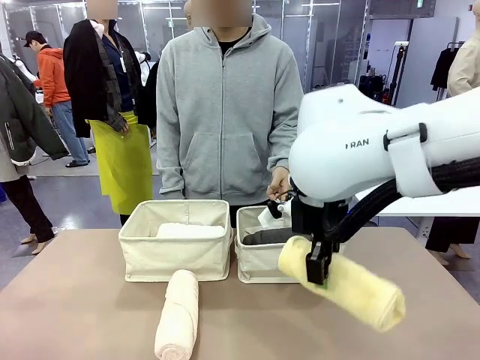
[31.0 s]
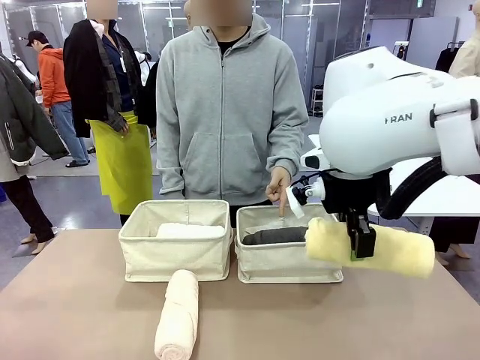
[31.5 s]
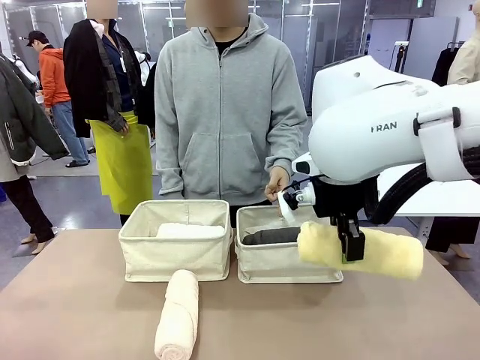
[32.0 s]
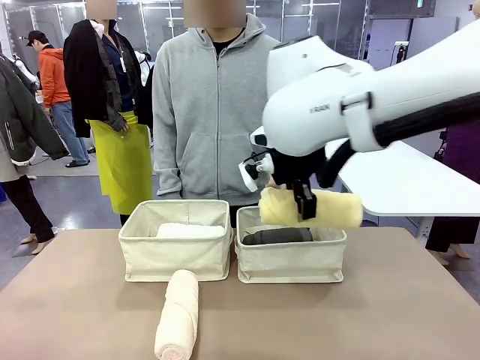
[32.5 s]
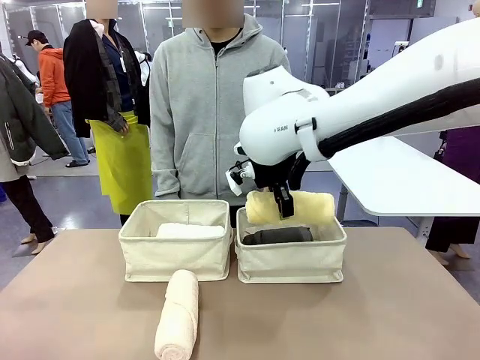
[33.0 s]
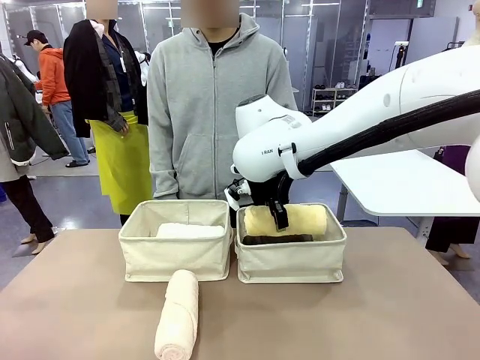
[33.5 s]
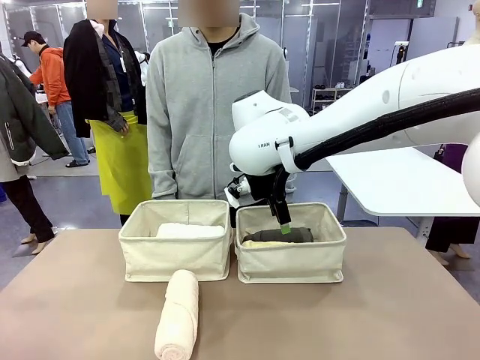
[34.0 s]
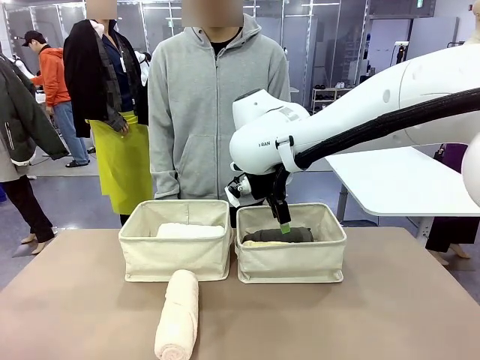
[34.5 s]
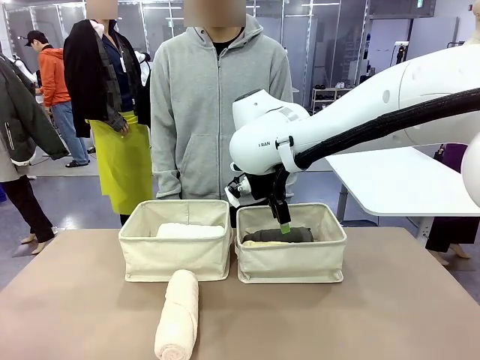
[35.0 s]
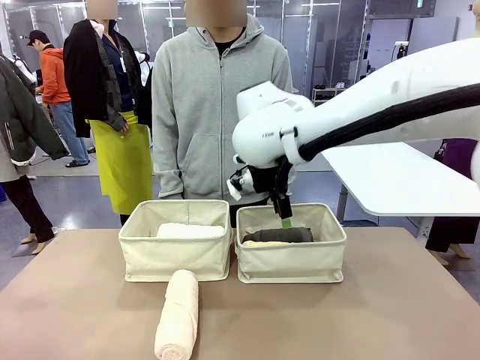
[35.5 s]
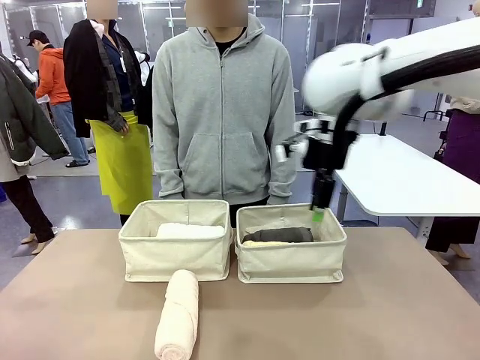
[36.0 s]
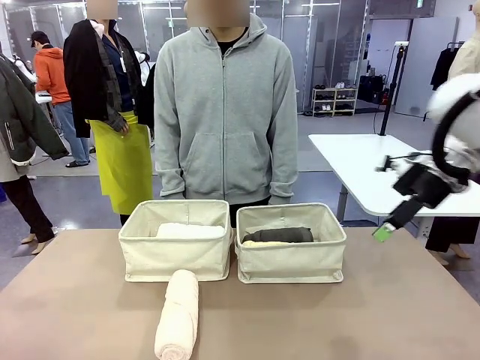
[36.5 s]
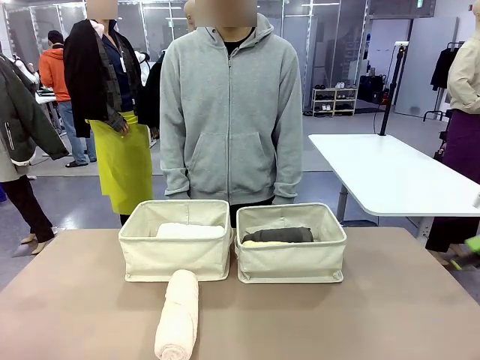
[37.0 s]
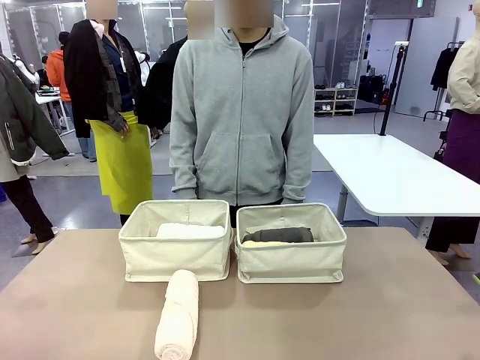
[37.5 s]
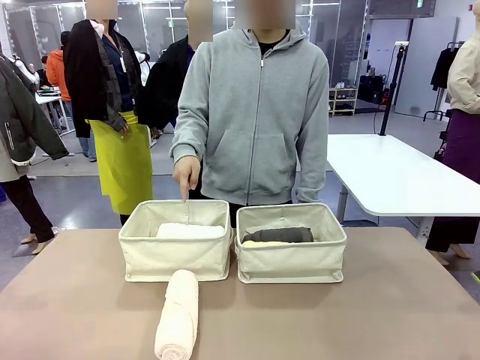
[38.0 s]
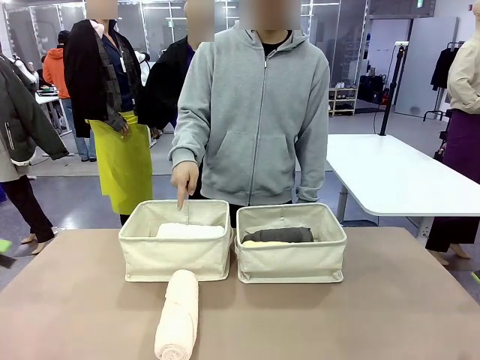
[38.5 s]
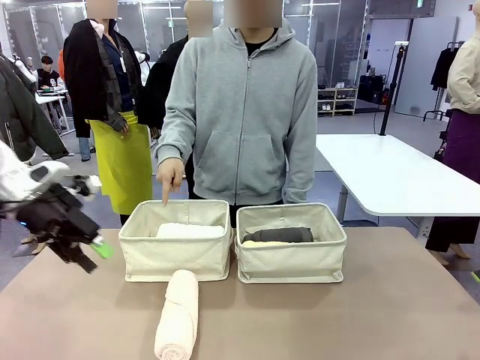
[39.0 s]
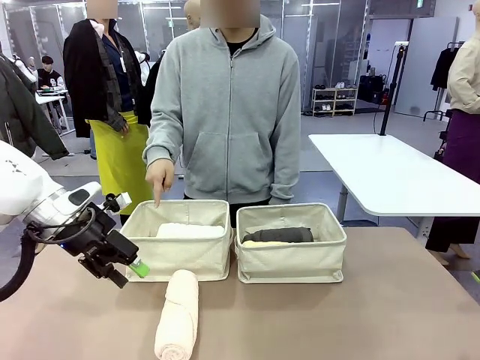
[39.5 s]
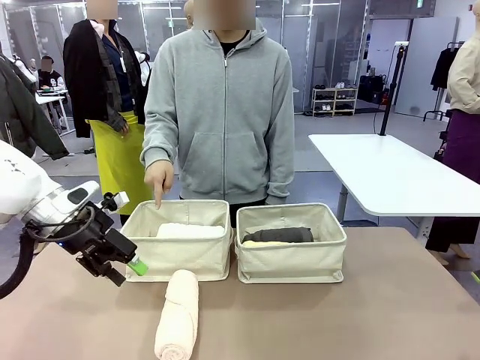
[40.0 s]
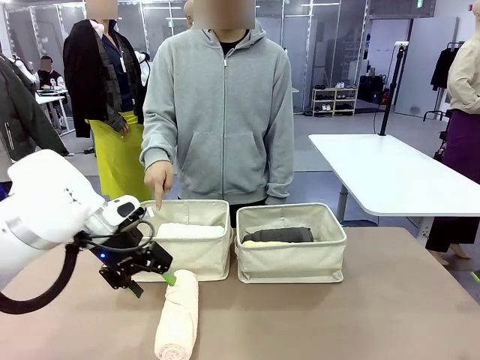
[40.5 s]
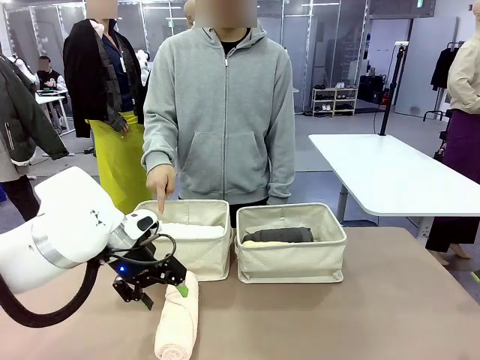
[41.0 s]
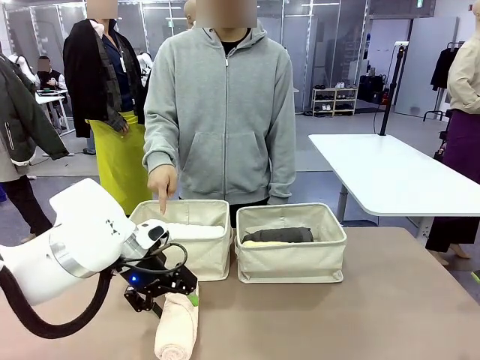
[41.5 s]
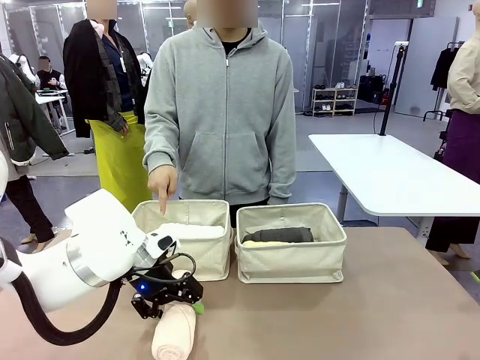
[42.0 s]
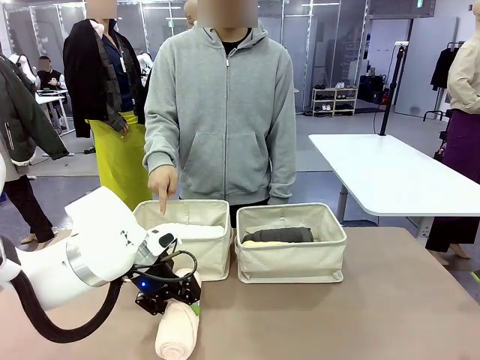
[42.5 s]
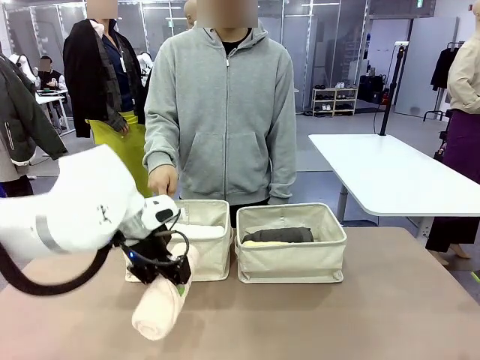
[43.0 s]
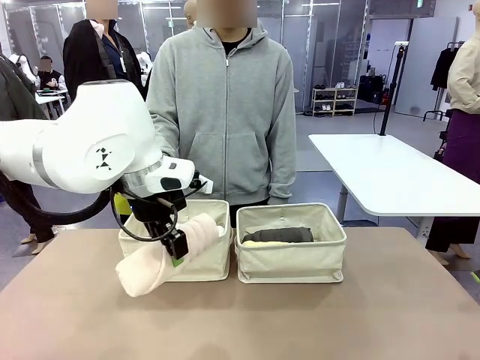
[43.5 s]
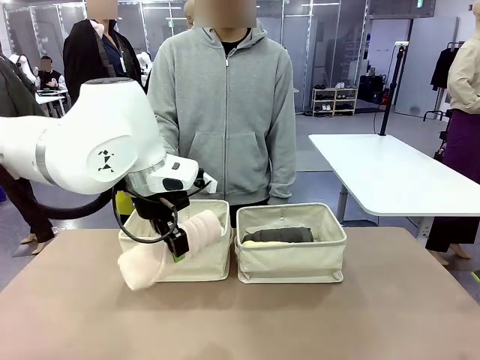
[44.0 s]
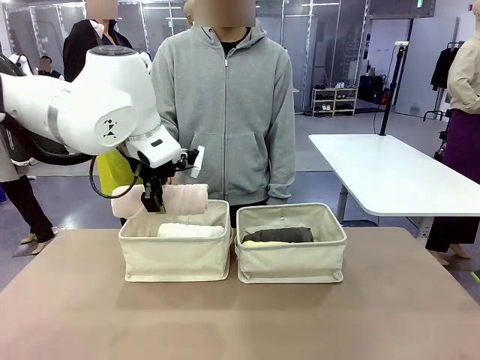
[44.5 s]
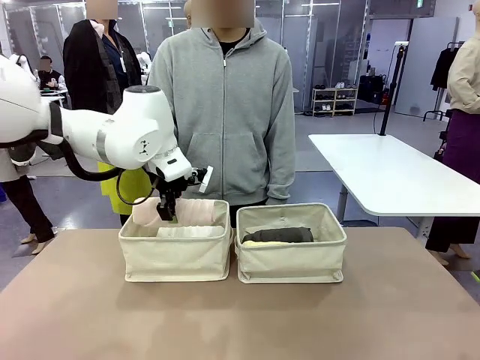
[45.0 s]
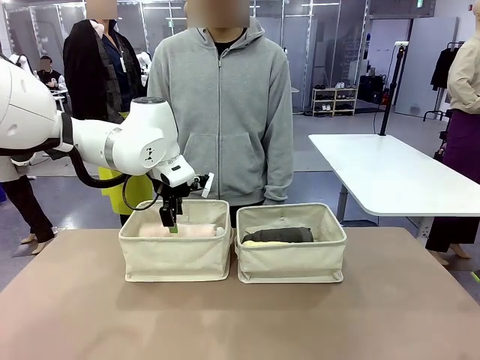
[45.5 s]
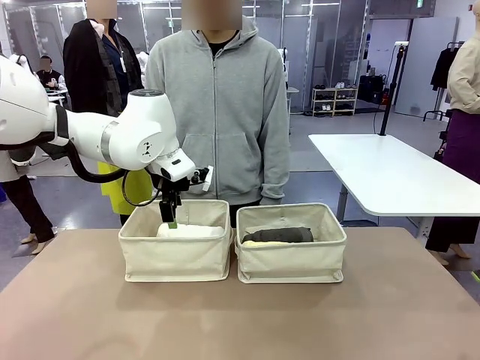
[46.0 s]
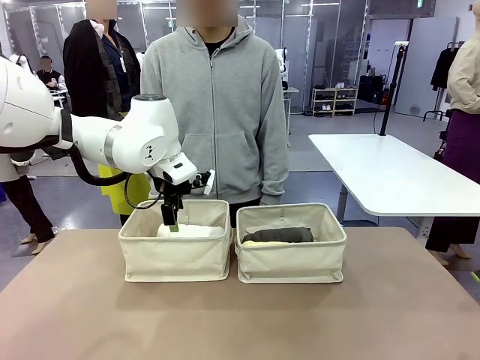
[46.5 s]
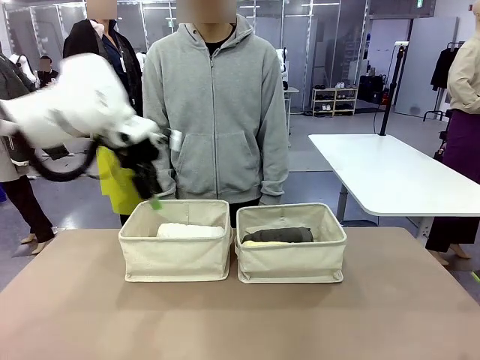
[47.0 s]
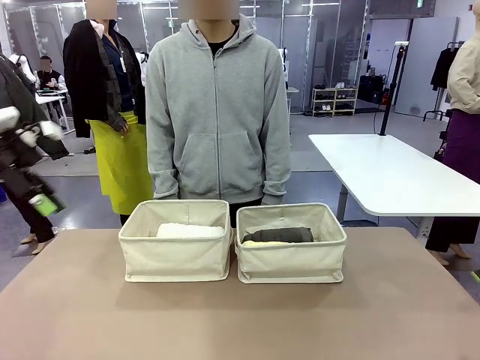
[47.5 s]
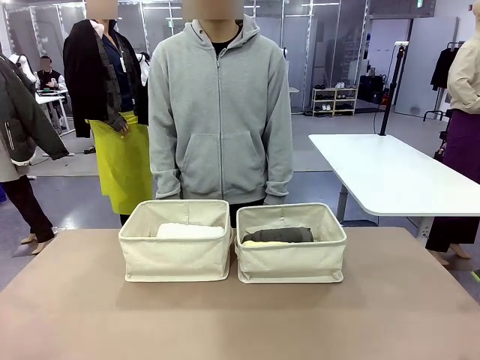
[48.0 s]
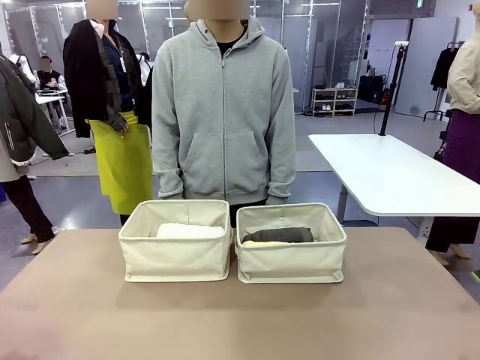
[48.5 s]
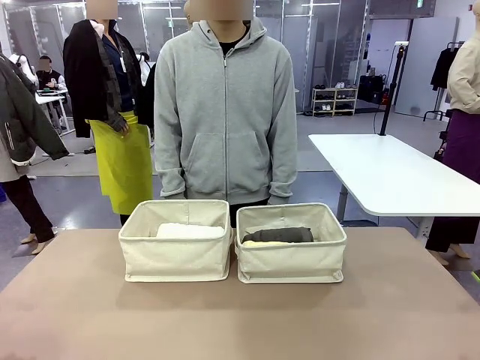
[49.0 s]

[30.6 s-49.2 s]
Task: Divide the towels into two baskets.
Robot: Pick up one hotel-folded towel from the bottom of the table and place it in the Fabric basket indicated by the person.

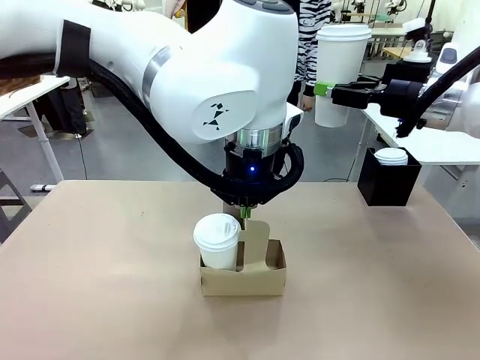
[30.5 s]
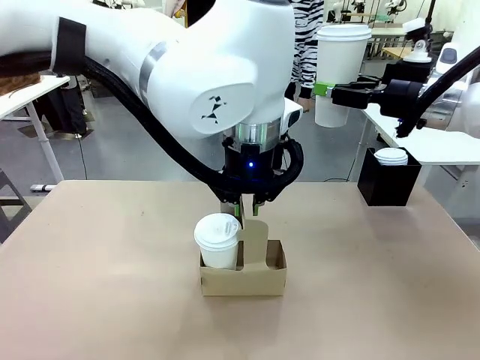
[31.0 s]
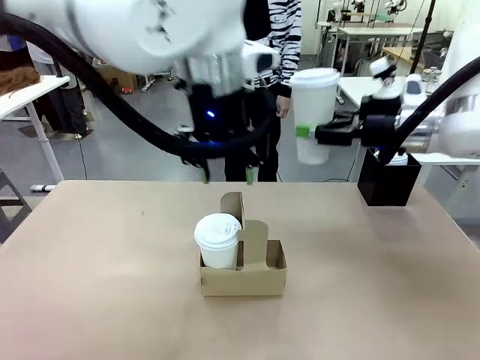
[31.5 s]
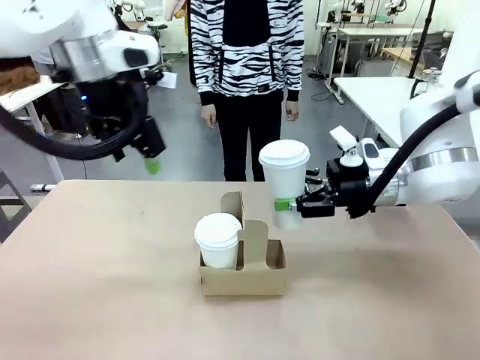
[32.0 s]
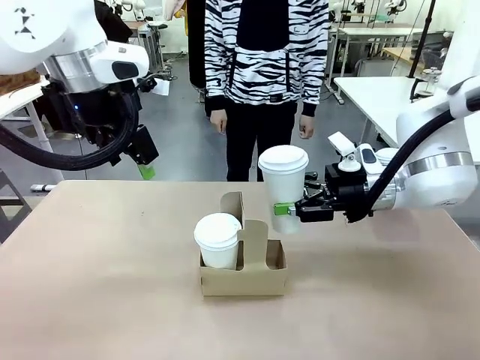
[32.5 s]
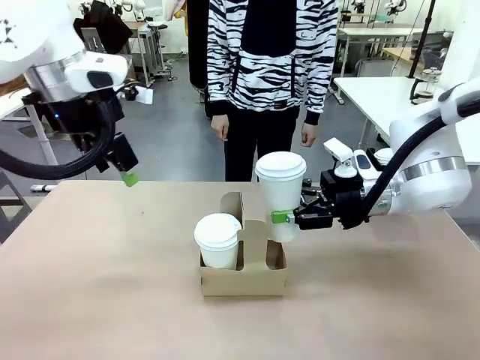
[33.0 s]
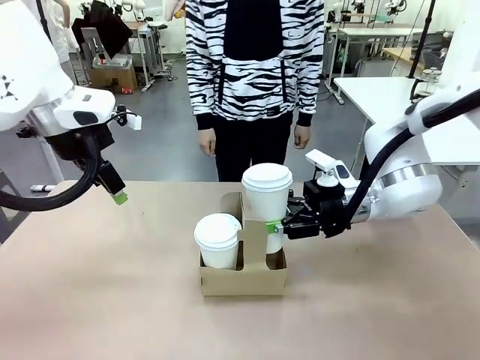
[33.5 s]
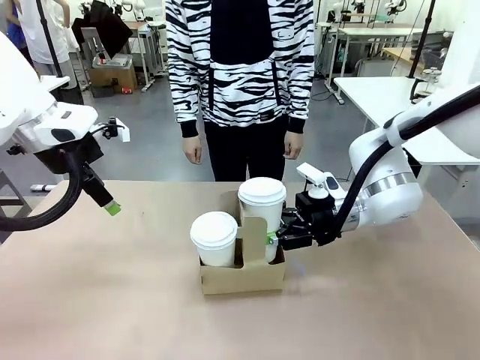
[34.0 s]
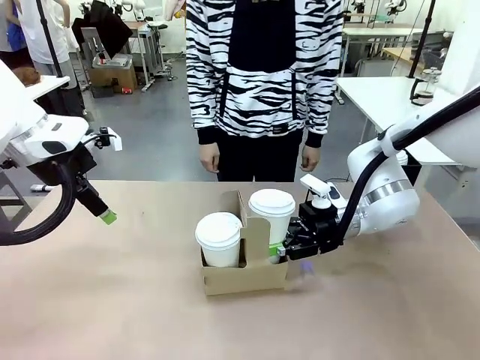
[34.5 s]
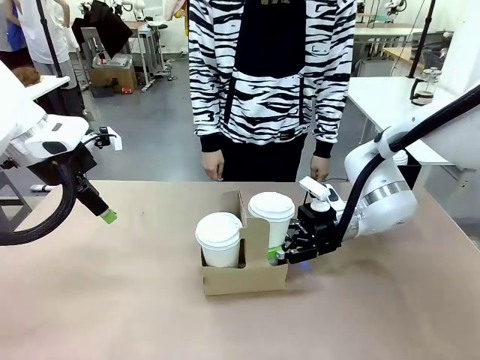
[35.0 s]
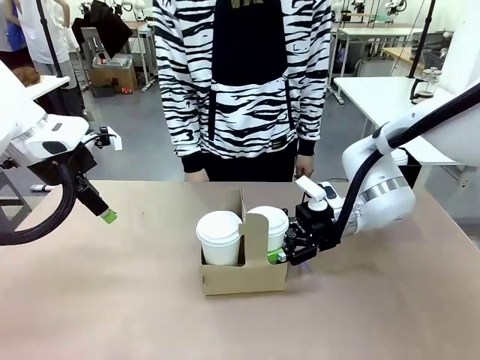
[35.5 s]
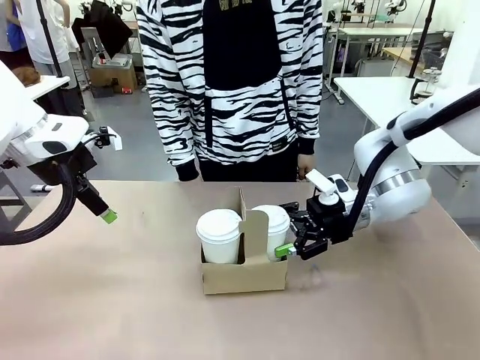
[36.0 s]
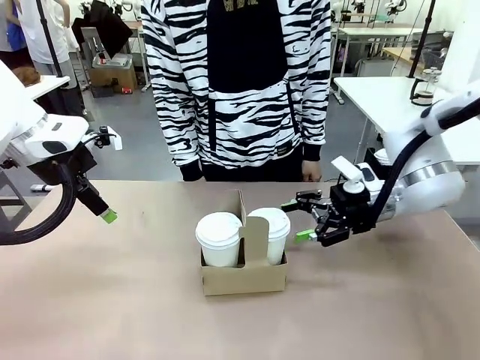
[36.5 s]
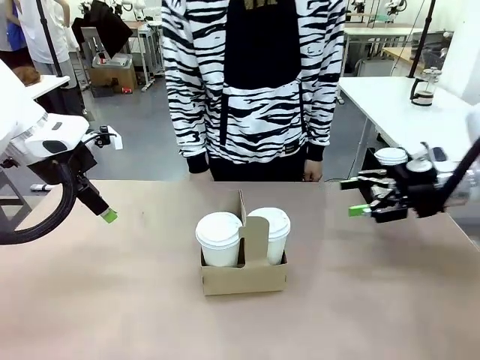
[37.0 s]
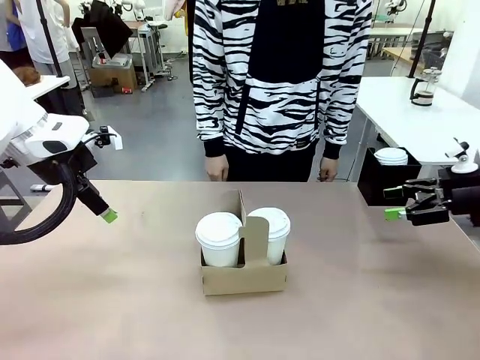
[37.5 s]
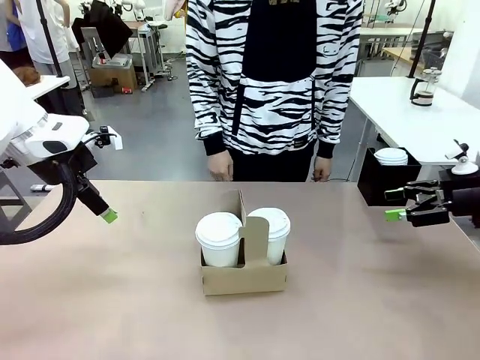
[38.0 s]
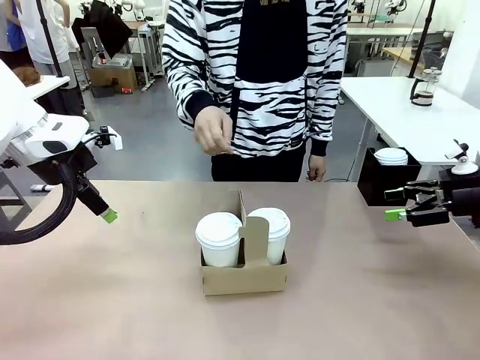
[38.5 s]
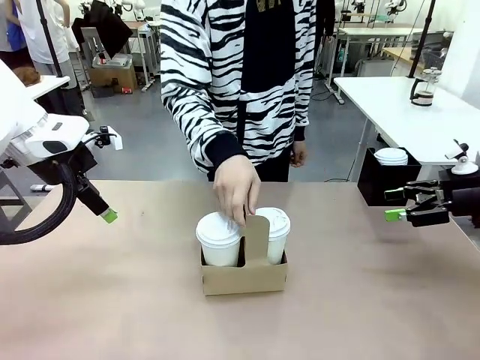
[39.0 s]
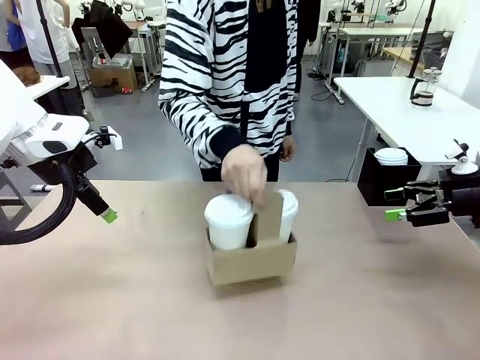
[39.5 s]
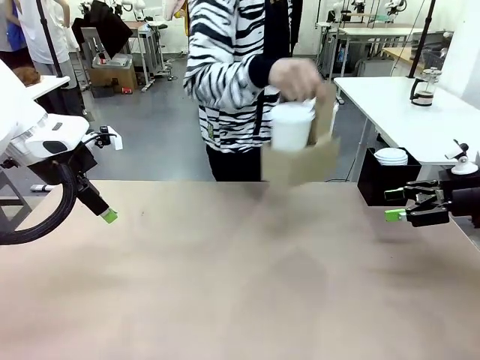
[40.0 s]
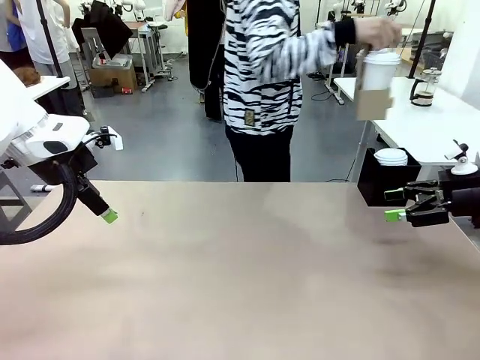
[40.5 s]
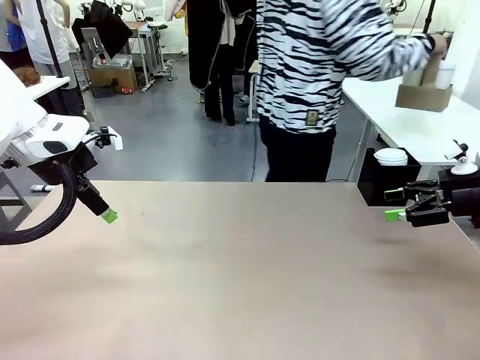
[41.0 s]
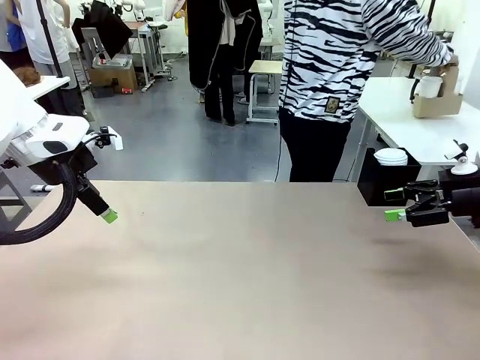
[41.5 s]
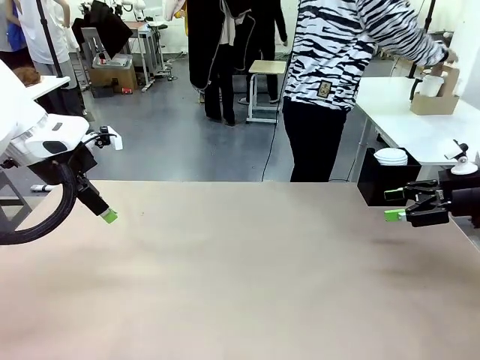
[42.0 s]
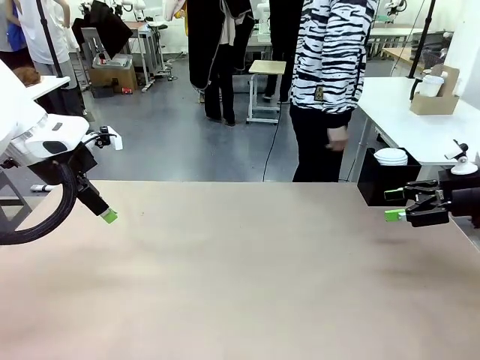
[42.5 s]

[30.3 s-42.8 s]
Task: Pour a drink into a cup and package it in a carrier.
Robot: Insert the held 600 ml Paper Cup into the Cup Carrier.
Person: Place the Cup Carrier to the middle of Human table.
